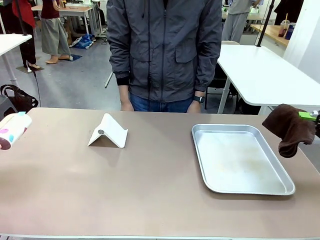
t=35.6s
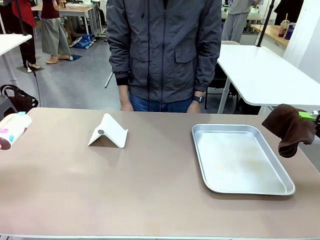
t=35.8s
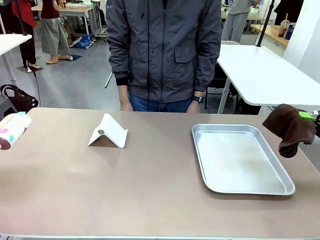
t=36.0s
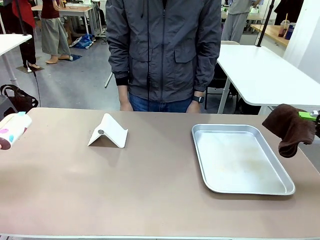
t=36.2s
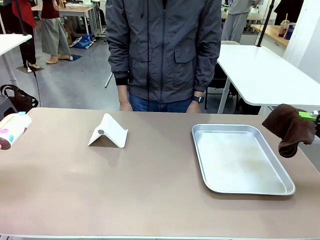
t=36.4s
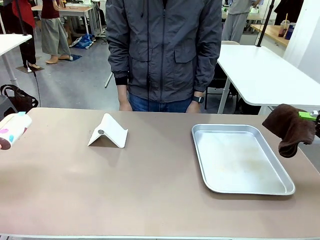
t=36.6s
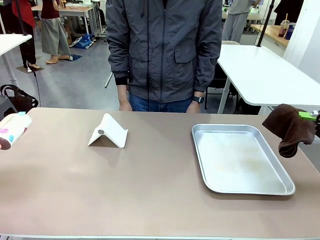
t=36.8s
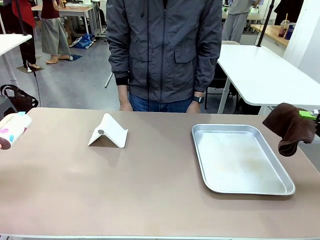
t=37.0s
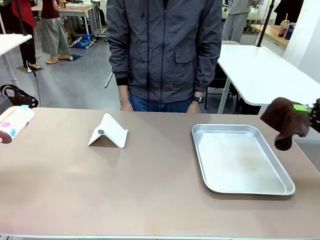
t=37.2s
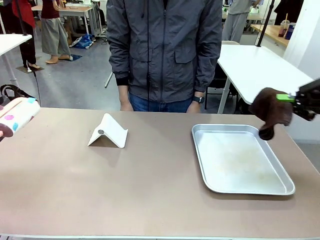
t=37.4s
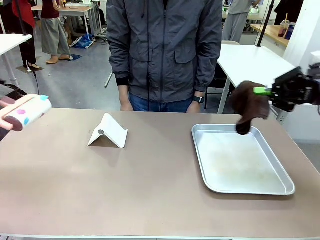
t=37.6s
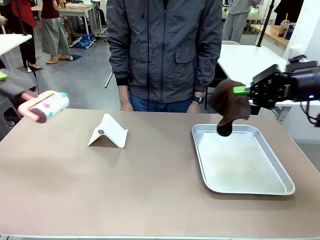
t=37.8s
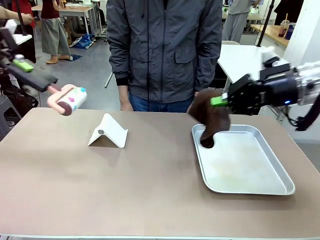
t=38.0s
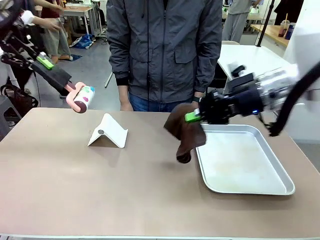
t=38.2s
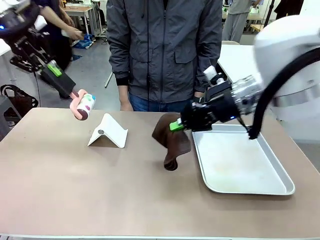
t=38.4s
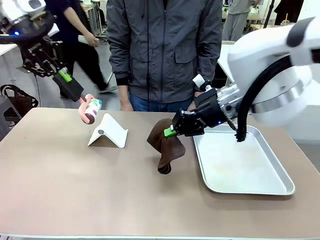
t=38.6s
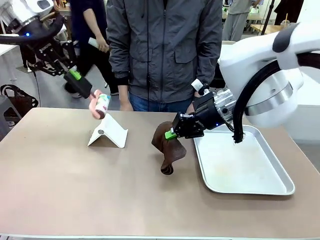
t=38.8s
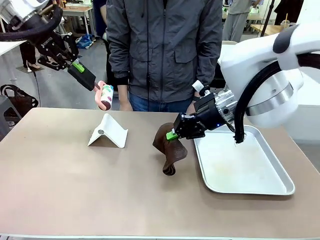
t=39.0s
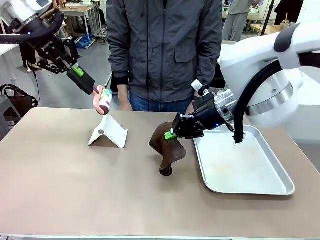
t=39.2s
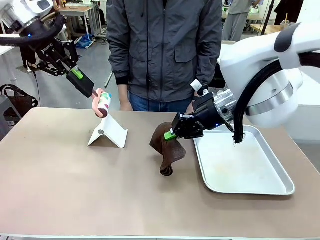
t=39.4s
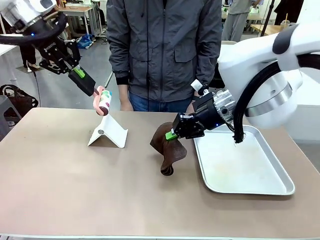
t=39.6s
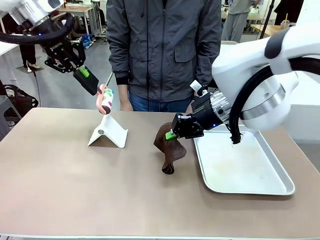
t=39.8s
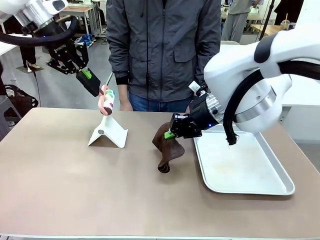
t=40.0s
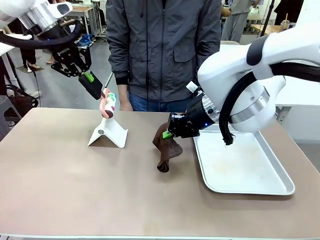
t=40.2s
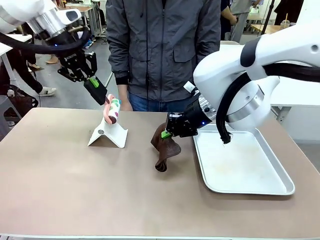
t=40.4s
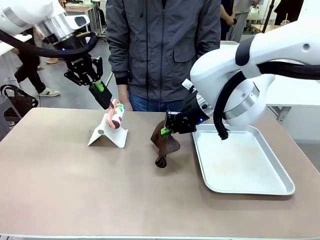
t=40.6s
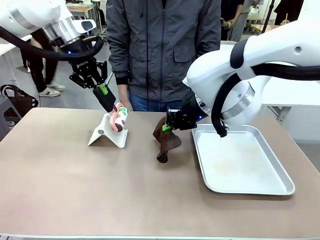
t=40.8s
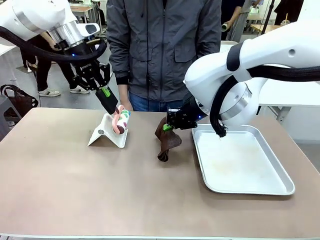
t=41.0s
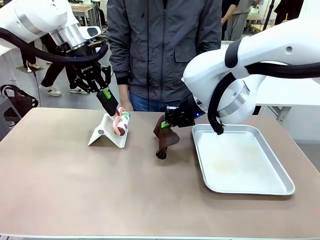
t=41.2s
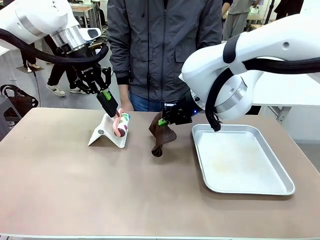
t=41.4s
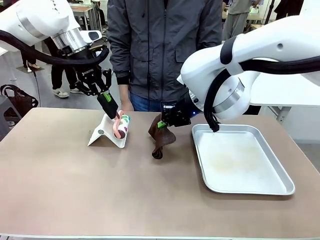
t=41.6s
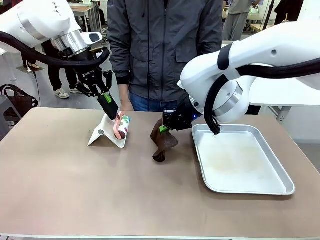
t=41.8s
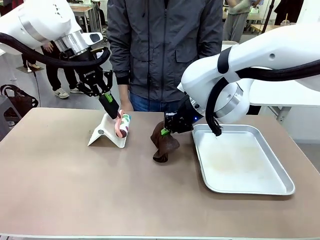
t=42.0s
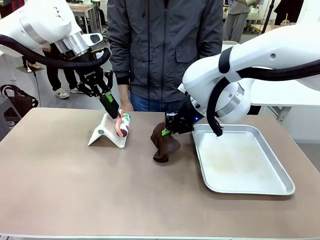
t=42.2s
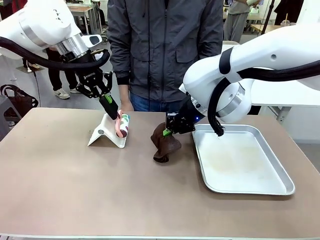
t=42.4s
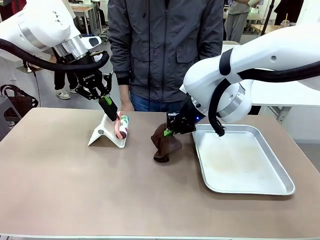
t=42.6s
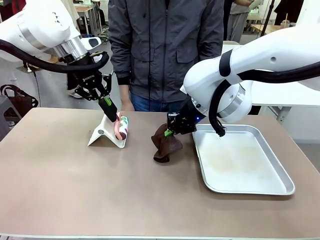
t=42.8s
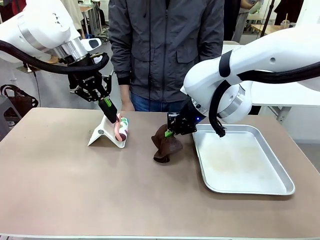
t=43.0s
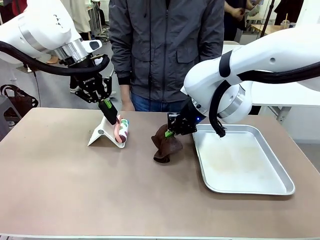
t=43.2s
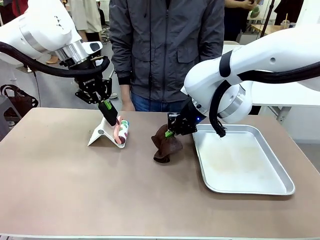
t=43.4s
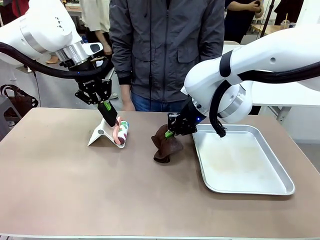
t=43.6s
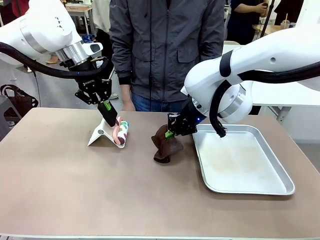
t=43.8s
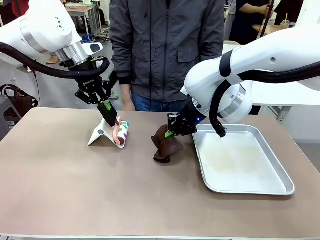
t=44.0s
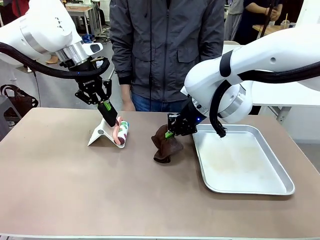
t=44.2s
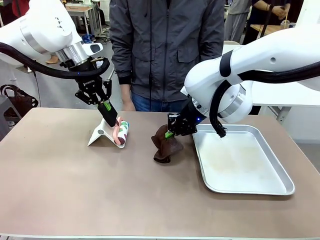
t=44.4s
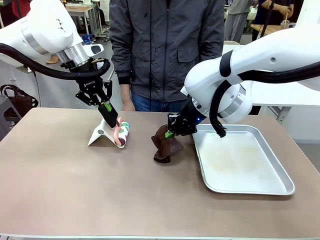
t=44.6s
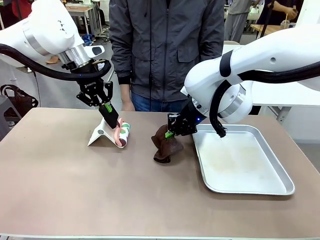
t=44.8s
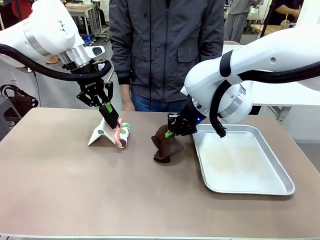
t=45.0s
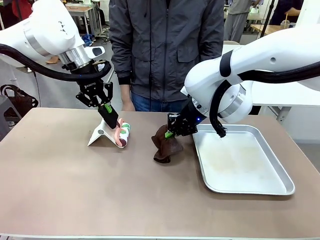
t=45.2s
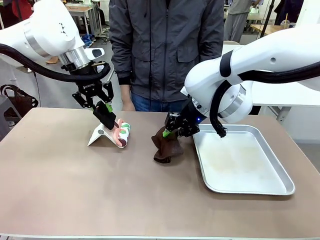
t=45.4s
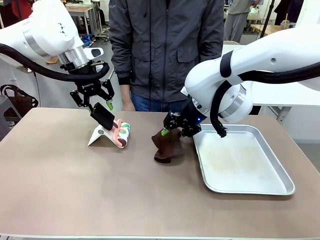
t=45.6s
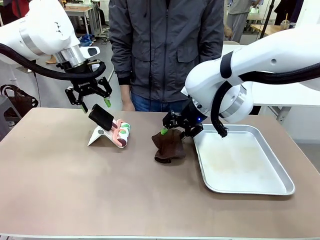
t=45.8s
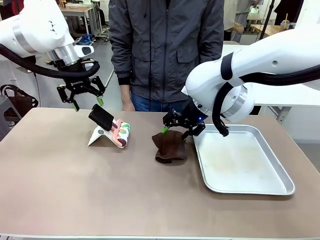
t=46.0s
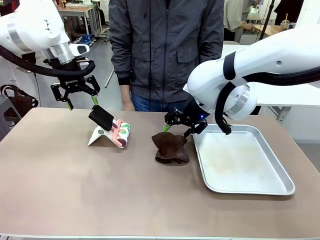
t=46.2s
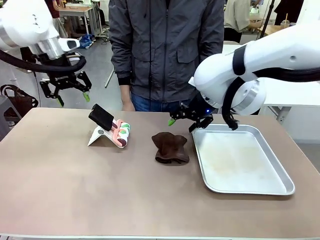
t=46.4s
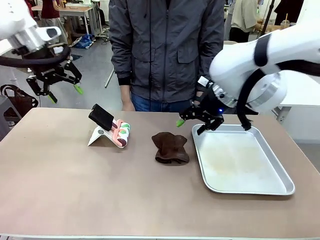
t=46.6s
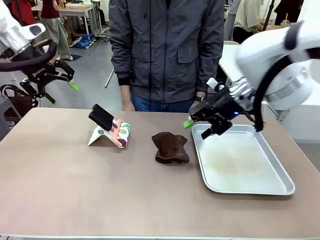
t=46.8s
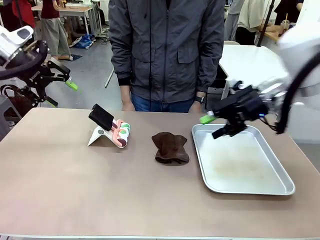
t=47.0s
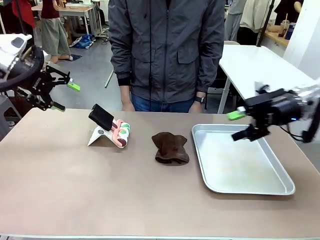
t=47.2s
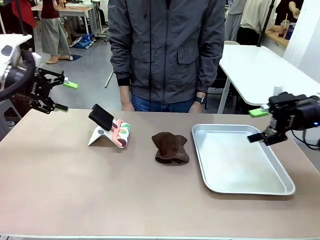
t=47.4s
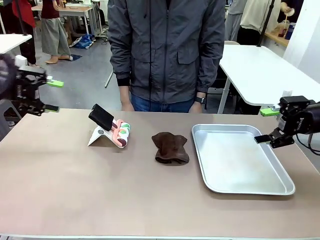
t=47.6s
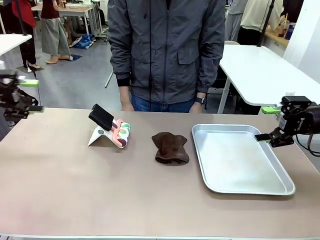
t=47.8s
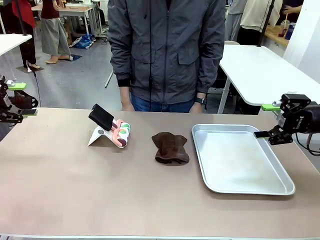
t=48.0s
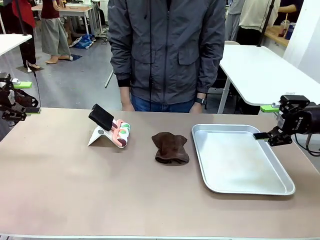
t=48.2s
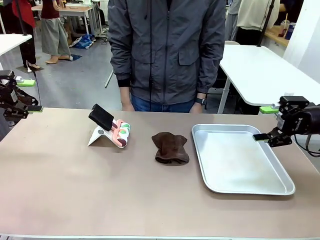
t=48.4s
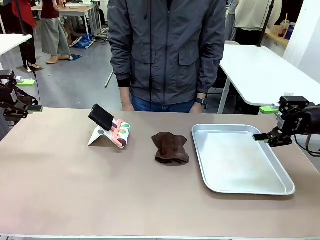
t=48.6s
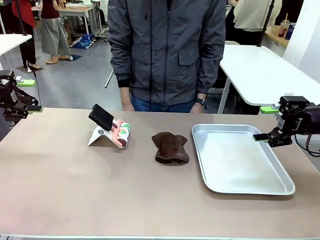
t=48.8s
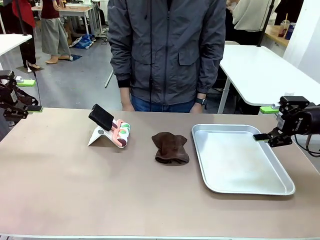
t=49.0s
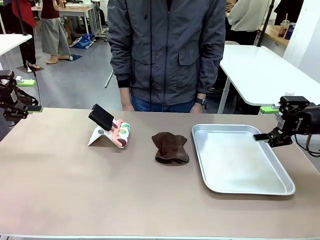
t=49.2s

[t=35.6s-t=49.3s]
Task: Clean the surface of the table.
Robot: Return the Lint Roller and towel to their original positions.

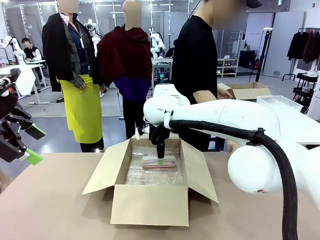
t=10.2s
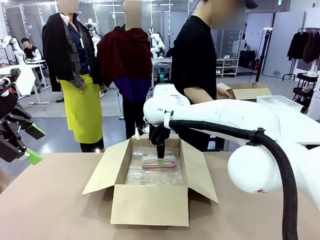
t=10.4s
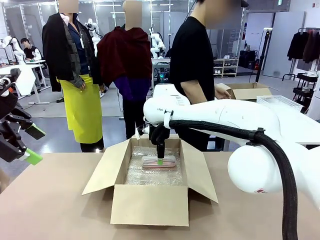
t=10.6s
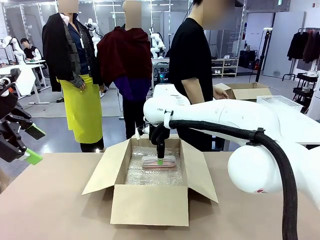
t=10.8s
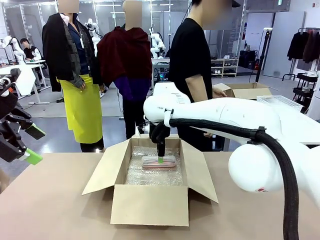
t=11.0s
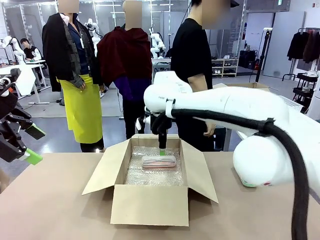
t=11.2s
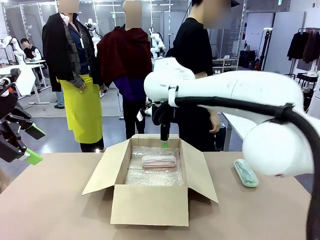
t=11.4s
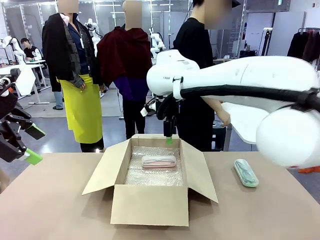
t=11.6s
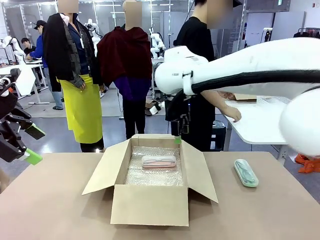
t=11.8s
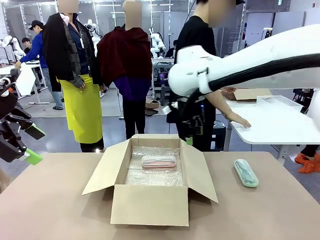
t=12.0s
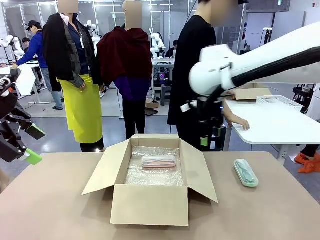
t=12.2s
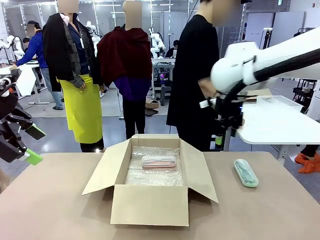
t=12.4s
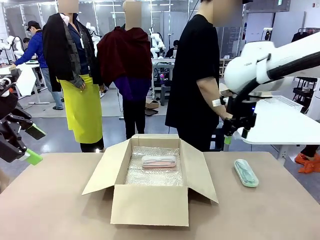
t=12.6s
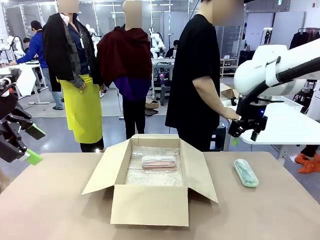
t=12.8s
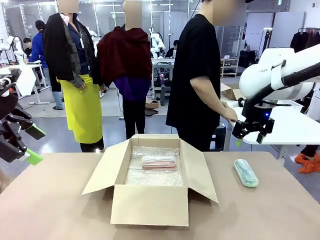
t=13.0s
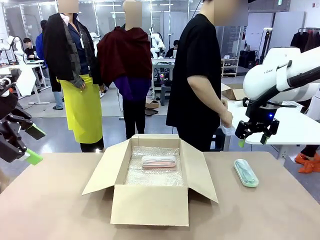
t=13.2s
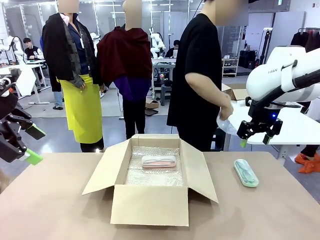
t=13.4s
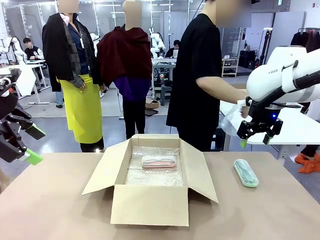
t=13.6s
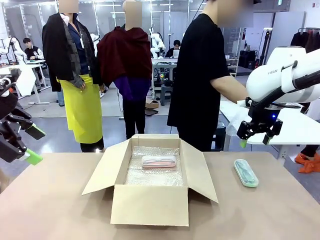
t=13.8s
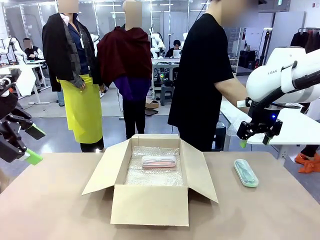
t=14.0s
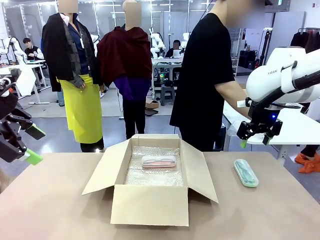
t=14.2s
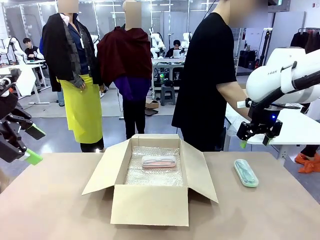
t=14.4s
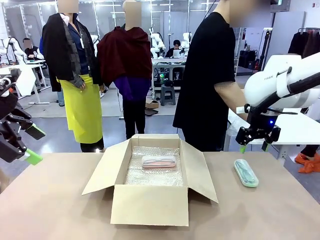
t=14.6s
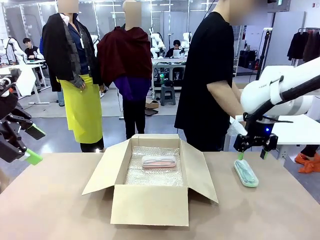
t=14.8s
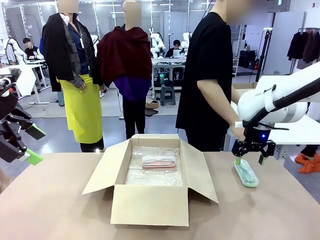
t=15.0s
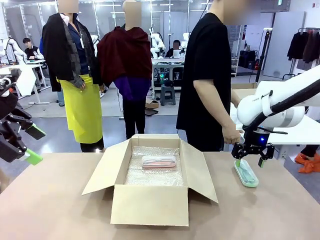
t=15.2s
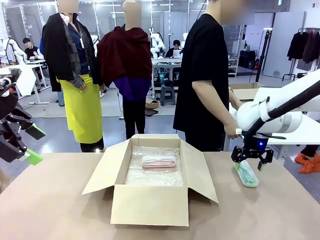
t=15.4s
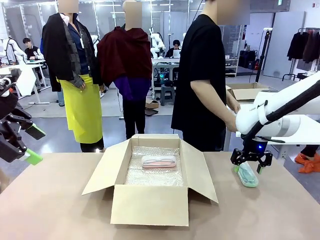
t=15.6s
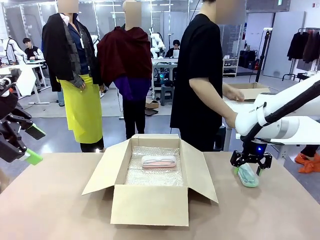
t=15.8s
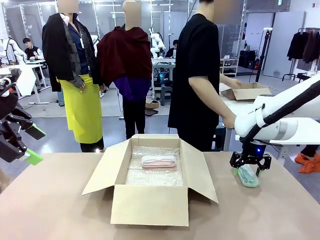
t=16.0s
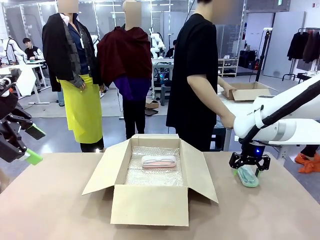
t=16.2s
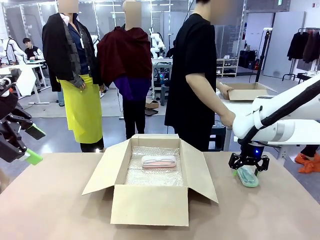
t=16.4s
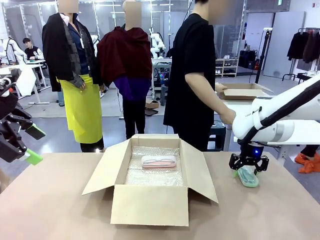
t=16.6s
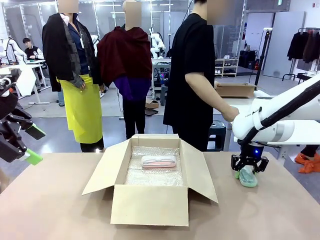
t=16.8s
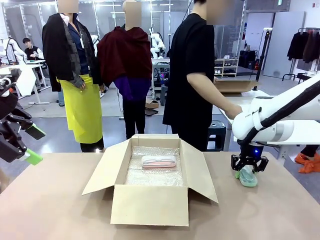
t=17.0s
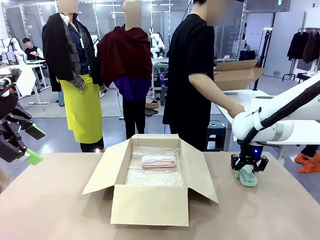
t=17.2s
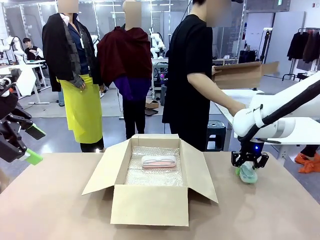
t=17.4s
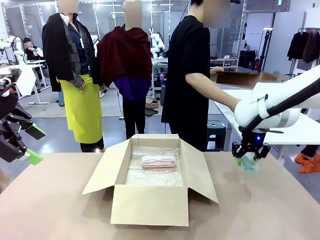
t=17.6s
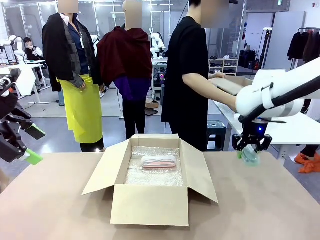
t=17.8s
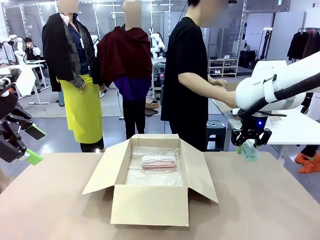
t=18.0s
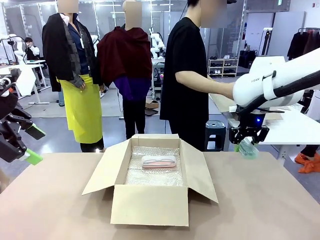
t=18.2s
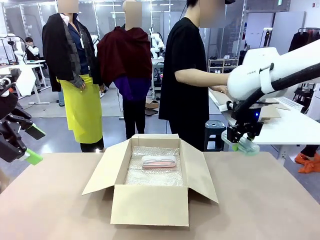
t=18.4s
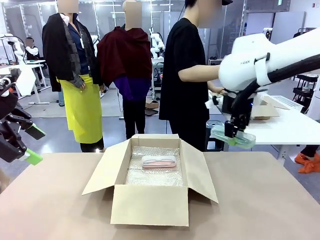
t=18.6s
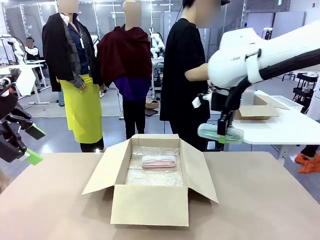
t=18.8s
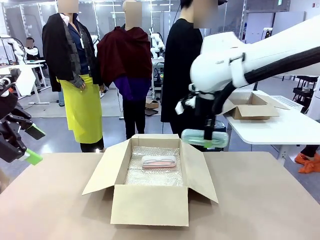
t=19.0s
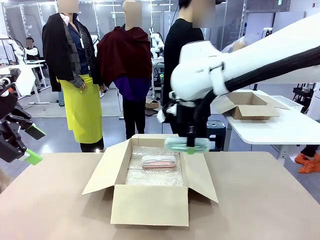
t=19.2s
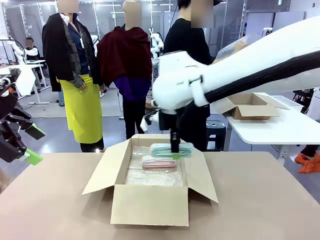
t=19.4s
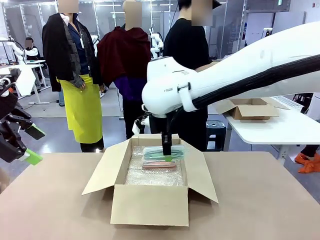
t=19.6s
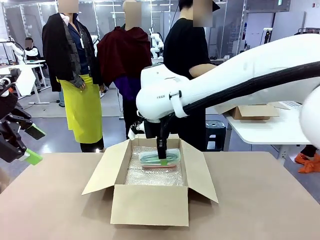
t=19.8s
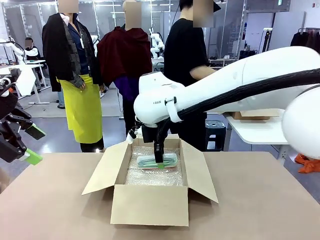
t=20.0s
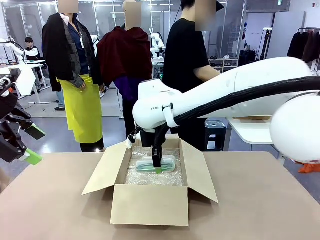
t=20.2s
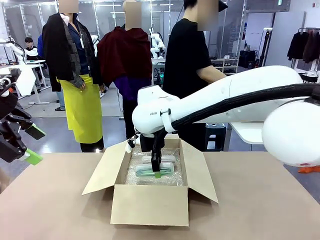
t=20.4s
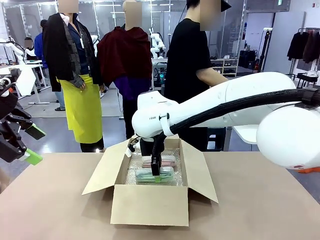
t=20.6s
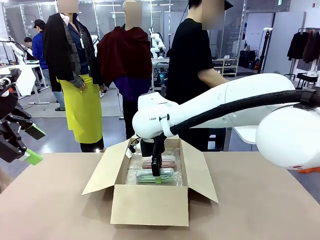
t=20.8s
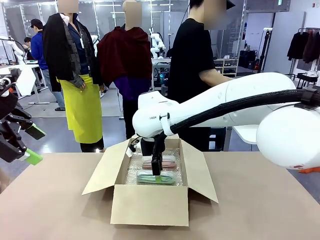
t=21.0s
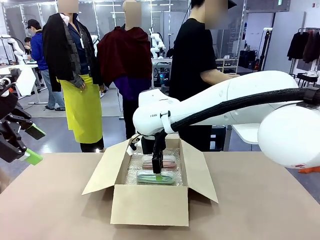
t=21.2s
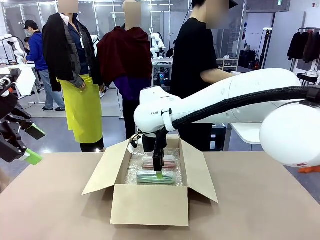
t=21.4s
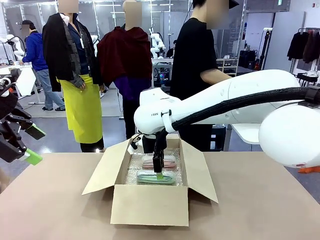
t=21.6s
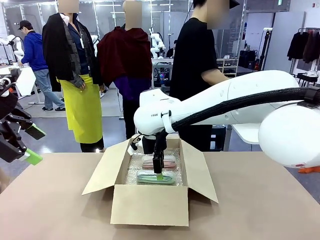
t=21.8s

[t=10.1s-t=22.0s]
Task: Pack the glasses set securely to prepare it for shipping.
Robot: Put the Glasses case from the right side of the table into the Package Box.
